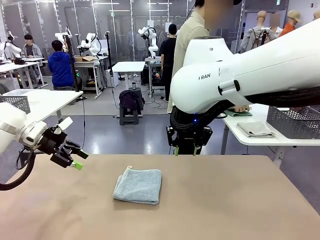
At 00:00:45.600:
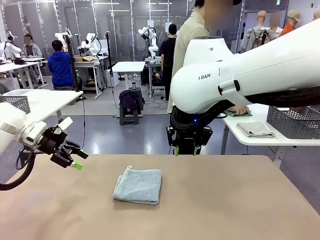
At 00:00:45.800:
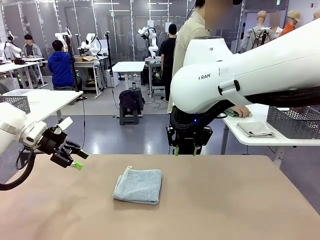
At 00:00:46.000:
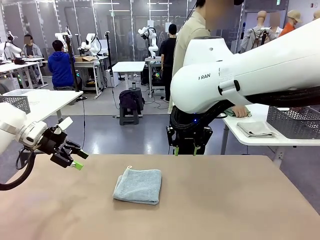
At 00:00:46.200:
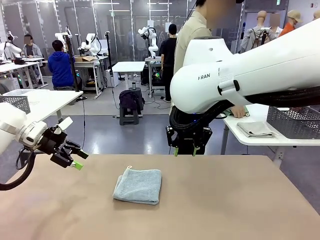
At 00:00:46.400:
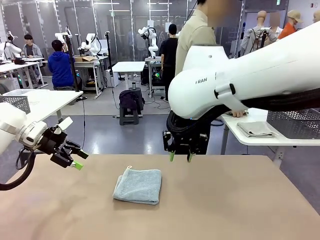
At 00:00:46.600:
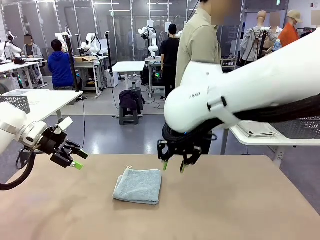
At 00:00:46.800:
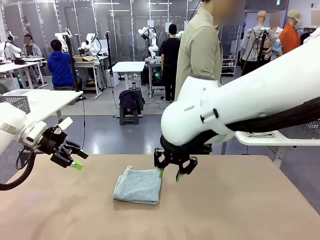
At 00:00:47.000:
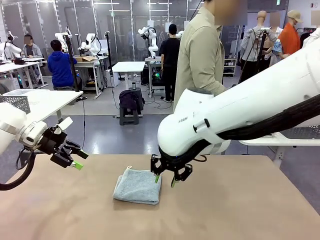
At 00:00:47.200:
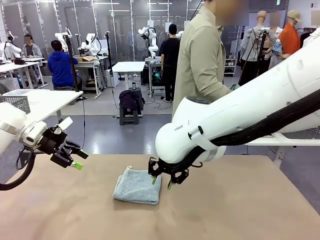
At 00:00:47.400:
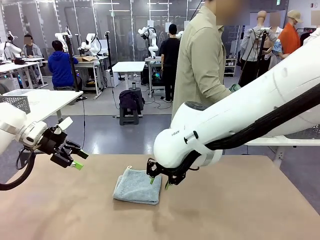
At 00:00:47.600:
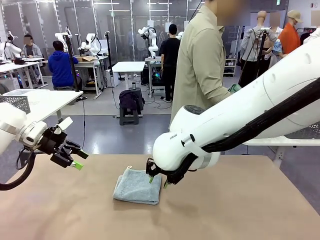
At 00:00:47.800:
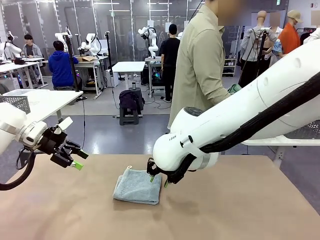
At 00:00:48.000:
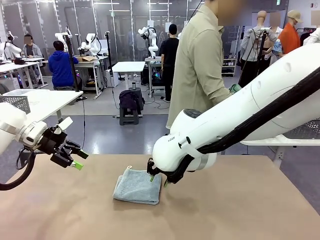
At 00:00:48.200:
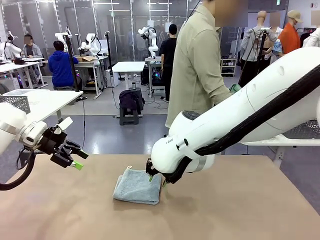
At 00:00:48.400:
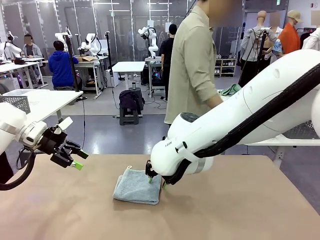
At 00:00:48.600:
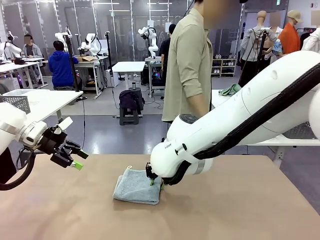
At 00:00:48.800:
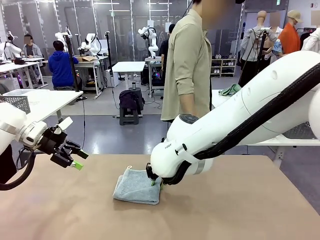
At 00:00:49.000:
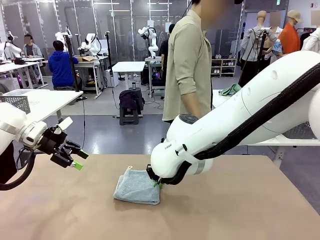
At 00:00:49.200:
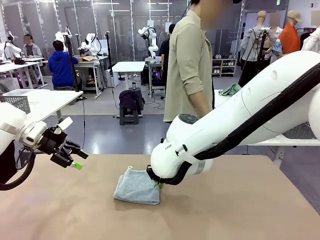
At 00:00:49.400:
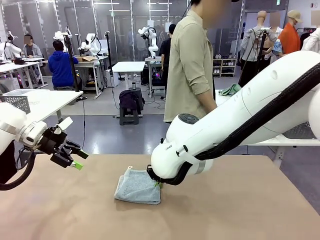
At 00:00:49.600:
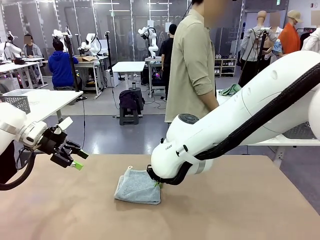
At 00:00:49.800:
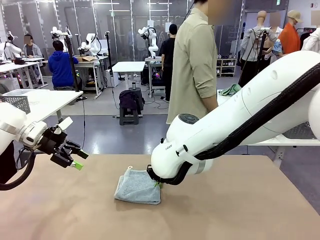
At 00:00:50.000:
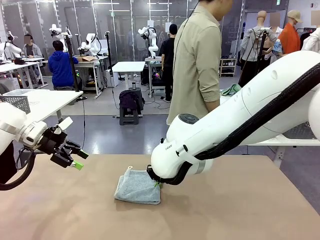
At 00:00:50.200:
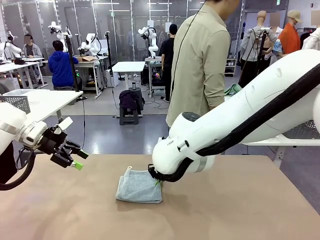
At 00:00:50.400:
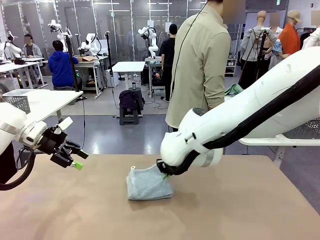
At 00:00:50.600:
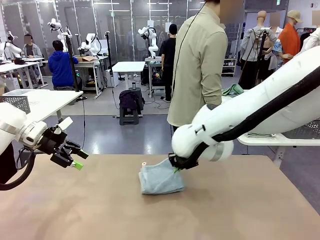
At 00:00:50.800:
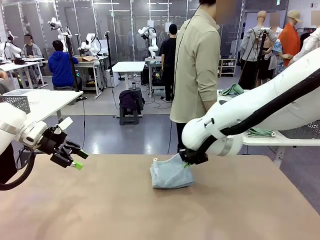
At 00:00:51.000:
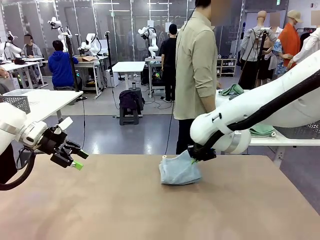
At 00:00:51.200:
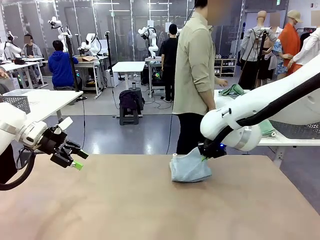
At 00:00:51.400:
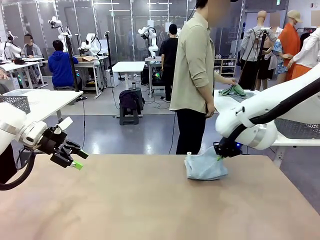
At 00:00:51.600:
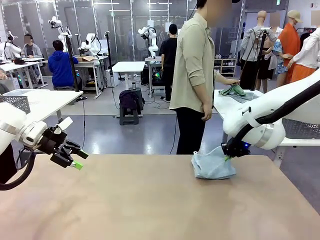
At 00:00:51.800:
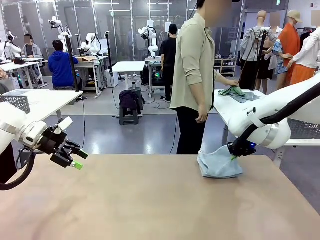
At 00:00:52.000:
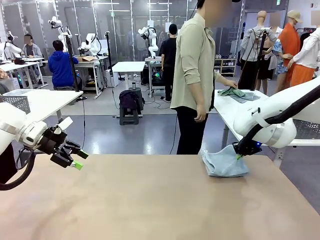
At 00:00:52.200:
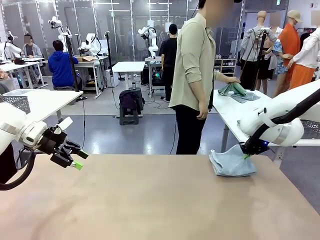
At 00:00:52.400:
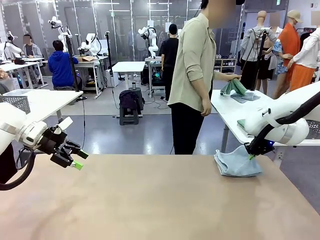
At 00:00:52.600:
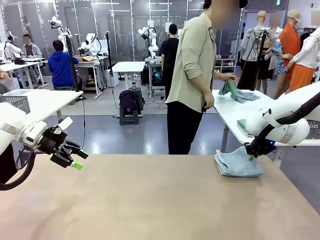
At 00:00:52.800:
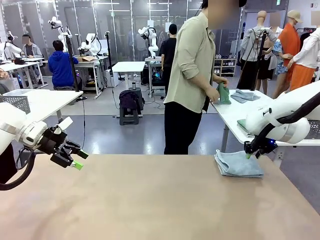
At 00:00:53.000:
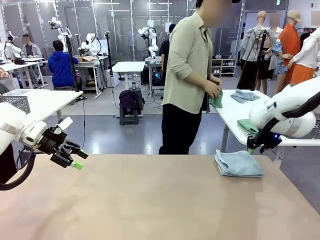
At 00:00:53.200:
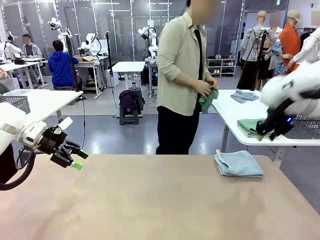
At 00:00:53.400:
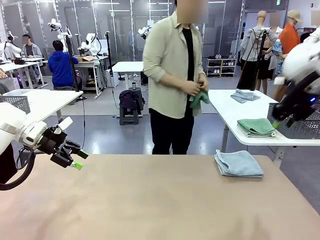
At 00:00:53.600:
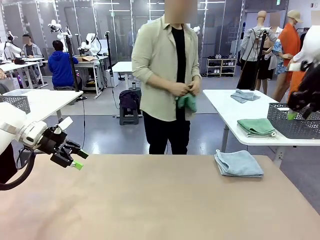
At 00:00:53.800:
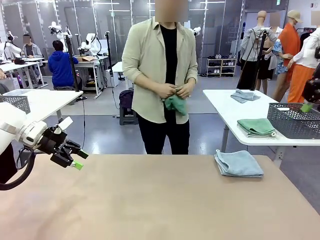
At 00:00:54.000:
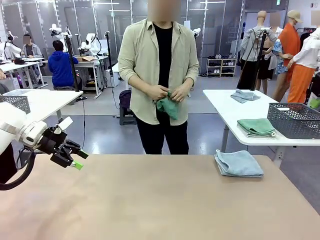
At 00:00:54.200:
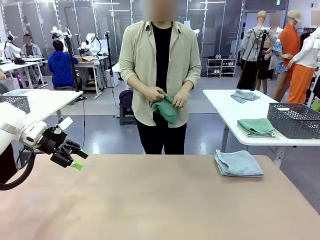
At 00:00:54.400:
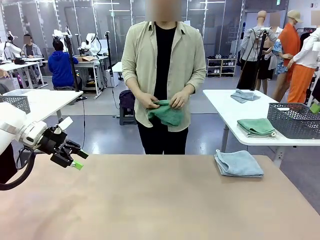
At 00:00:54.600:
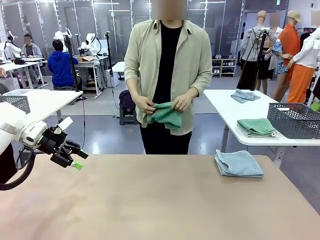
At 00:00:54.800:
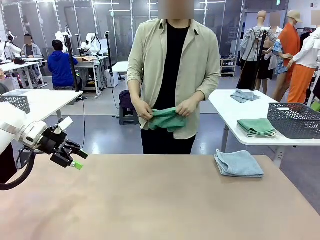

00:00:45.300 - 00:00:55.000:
Task: Fold the towels and place them in the basket.
Robot: Place the folded Towel with hook on the right side of the table.
Person: Pick up one towel from the left side of the human table and spread it out at the center of the robot table.

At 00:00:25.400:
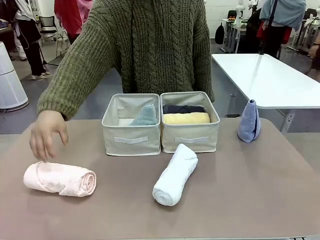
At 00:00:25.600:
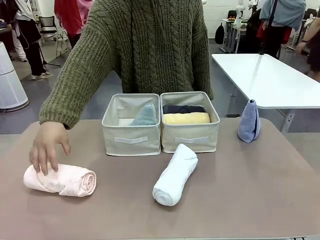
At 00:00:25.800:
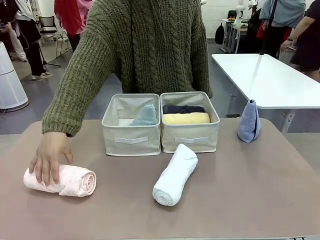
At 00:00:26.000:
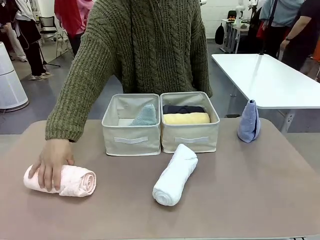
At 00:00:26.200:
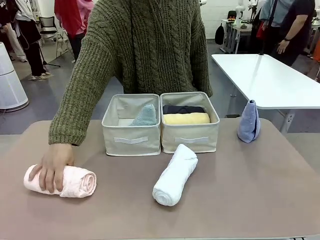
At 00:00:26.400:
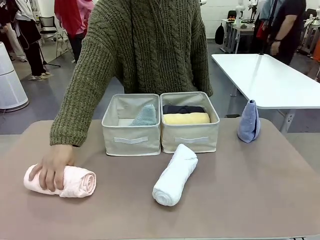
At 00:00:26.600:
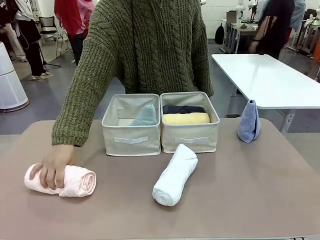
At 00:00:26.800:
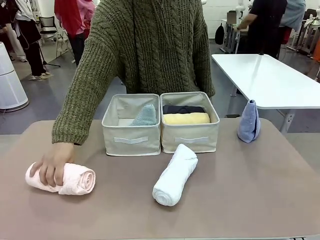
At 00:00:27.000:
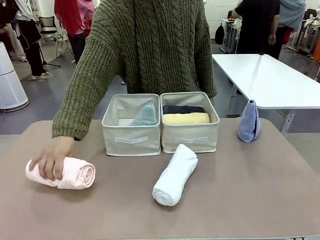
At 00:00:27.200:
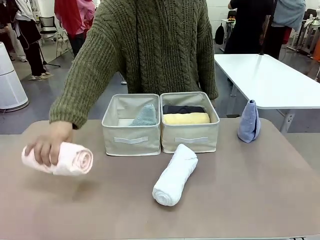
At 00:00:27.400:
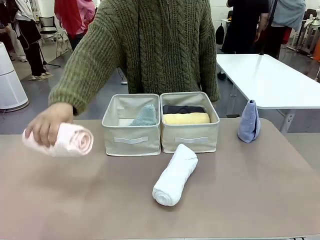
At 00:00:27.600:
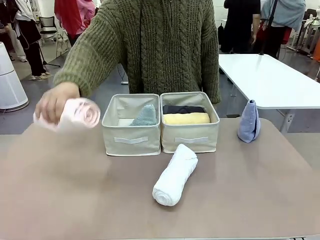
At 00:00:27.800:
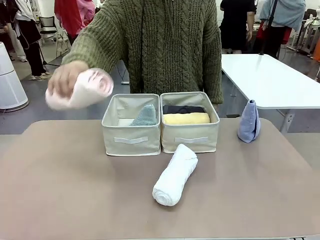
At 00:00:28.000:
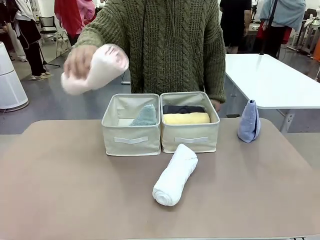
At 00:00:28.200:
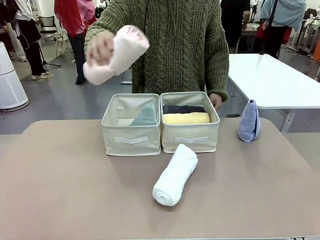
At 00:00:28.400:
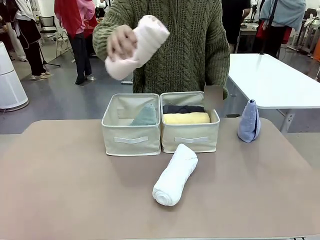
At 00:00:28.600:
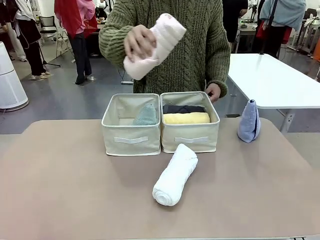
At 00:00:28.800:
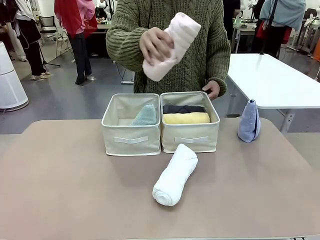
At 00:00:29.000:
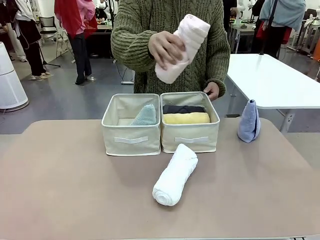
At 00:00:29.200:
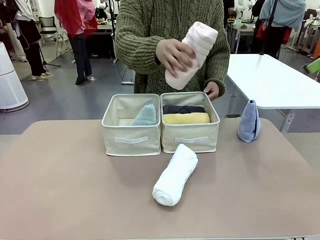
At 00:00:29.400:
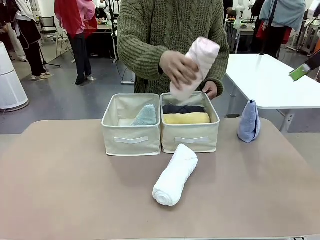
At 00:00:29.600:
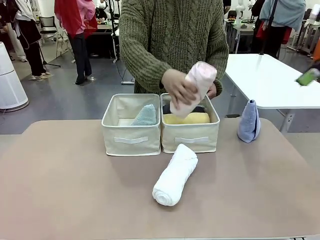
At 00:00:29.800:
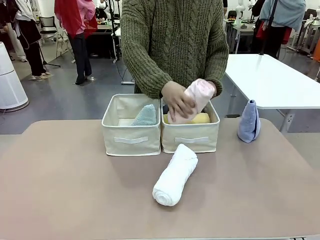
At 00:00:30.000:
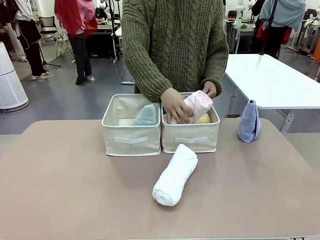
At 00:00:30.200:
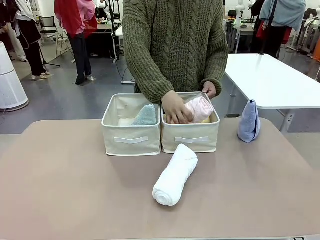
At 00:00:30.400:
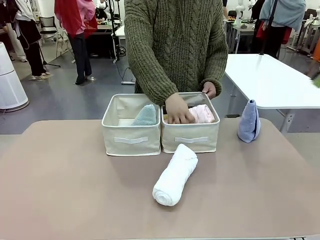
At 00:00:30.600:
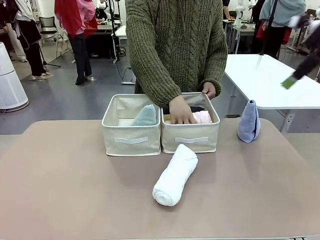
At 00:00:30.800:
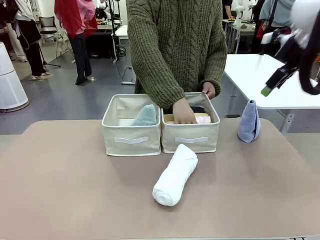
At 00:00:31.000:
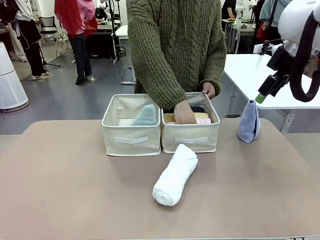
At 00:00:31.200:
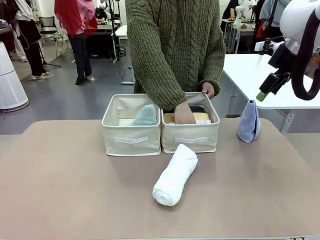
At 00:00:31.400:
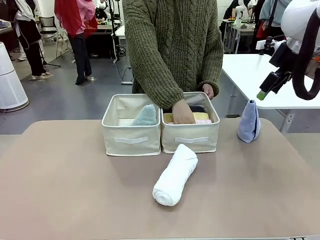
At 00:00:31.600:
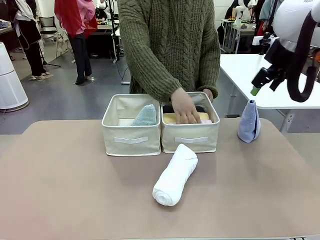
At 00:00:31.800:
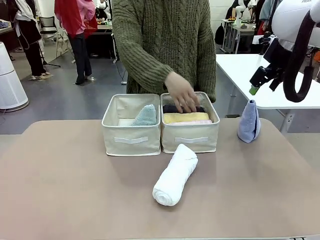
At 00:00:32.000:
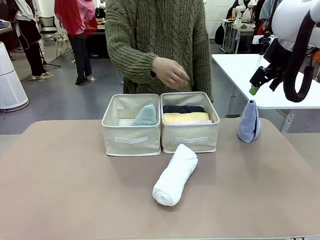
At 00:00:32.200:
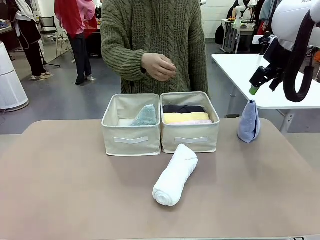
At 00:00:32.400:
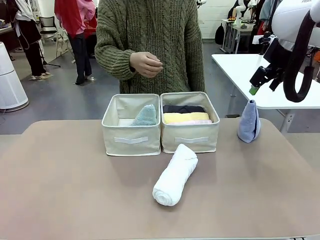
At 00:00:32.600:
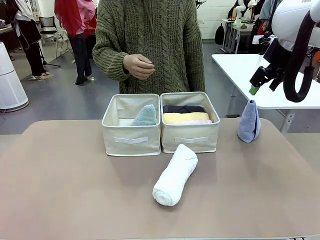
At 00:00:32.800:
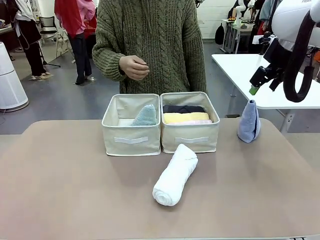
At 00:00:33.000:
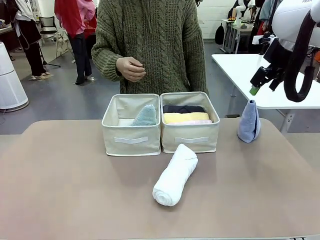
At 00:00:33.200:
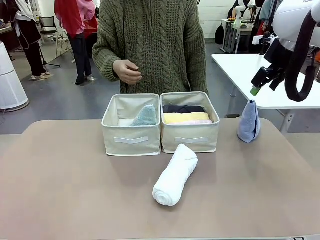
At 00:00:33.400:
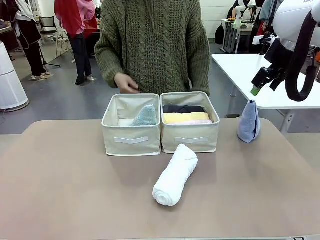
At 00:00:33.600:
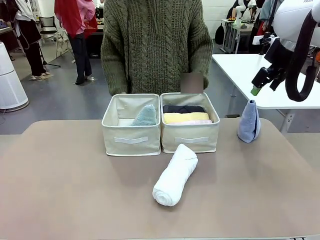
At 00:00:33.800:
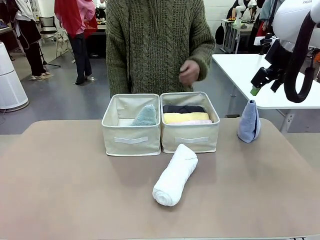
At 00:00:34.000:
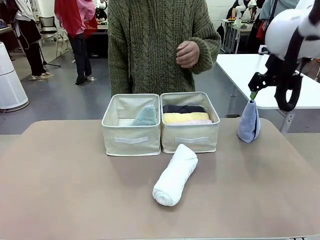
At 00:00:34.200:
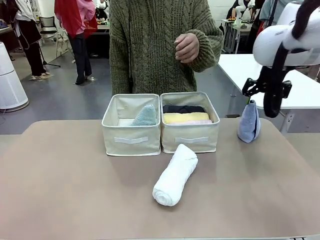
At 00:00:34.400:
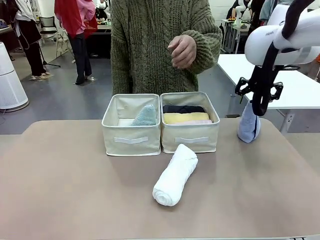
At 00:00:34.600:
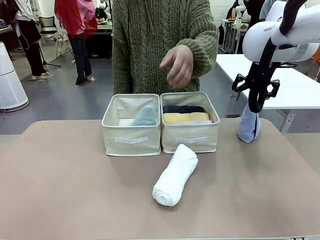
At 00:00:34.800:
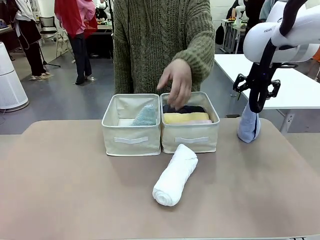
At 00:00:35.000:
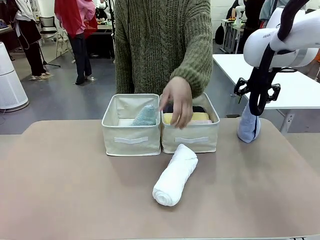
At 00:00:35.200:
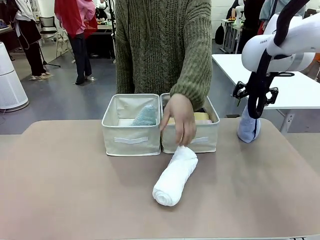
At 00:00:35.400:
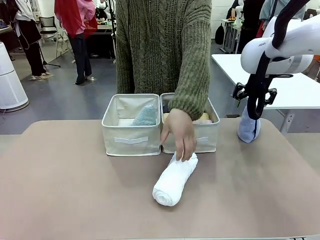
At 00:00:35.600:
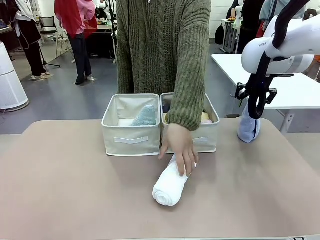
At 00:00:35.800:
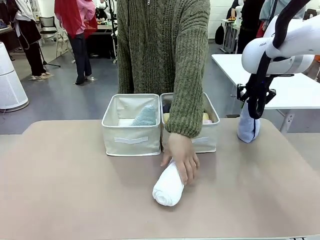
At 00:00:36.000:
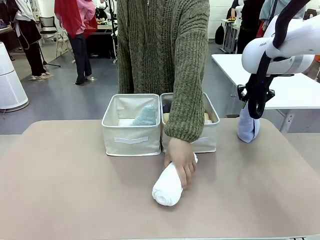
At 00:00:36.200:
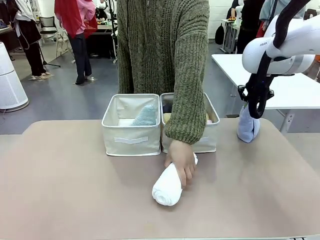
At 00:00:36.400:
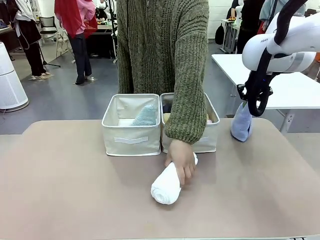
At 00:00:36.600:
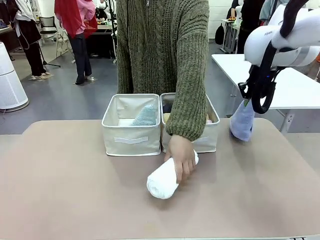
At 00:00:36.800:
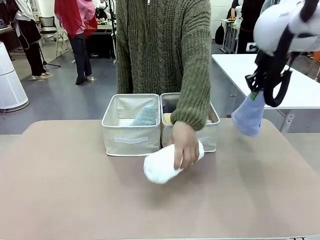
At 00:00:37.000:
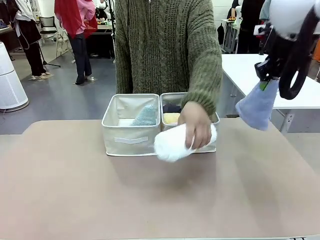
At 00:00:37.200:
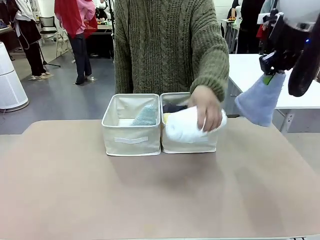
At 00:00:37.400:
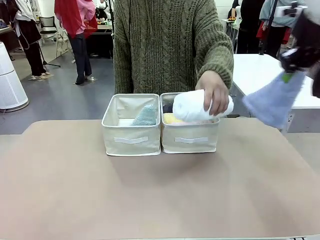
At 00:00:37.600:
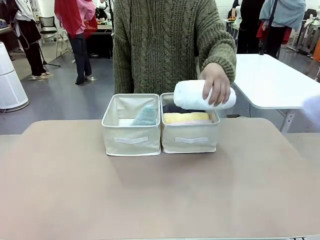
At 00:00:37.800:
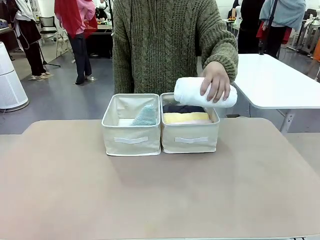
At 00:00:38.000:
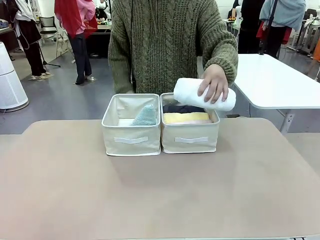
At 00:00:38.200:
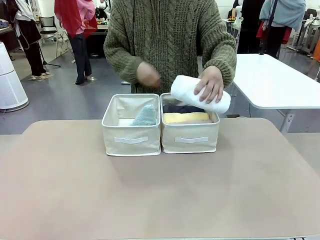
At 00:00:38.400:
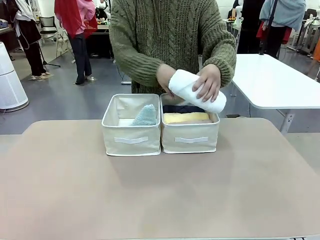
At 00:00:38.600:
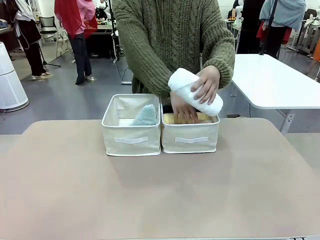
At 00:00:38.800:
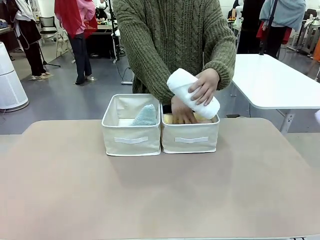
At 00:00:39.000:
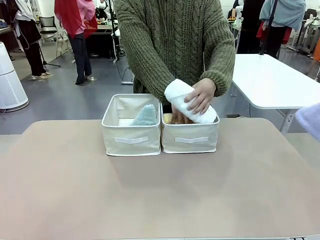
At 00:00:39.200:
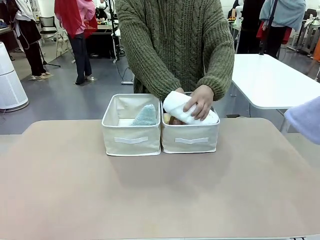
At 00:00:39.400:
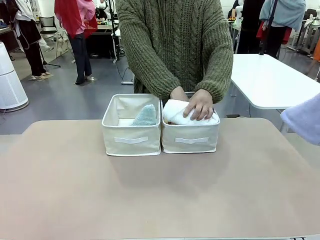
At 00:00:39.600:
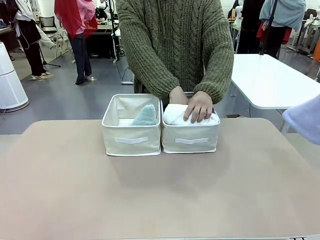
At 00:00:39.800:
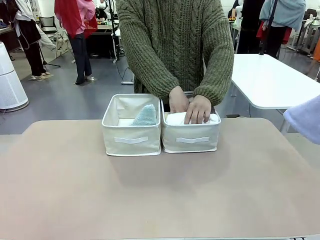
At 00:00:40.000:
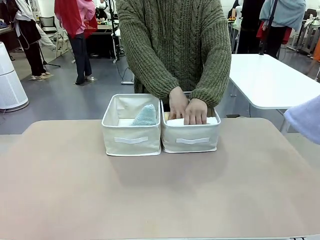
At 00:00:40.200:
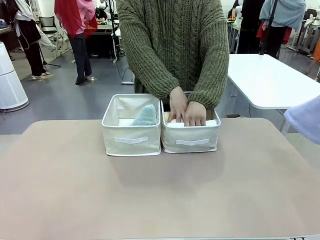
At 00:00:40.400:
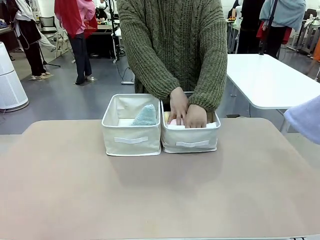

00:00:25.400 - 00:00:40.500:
Task: Sort the towels based on their folding style.
Robot: Pick up another triangle-folded towel from the table and place it in the left Fabric basket.
